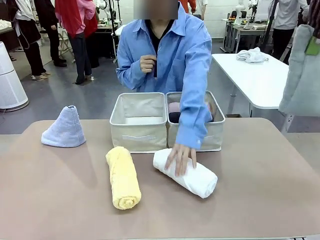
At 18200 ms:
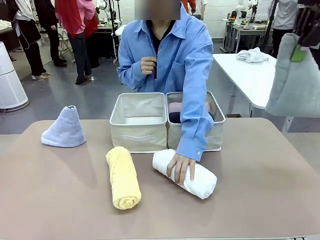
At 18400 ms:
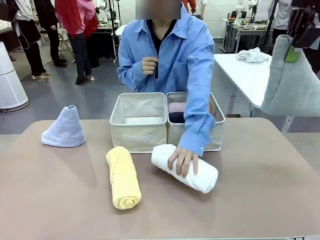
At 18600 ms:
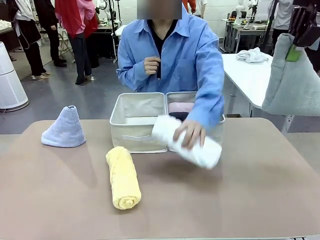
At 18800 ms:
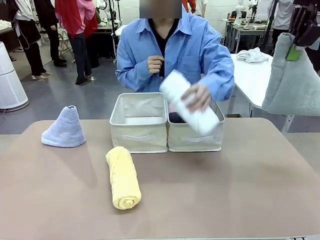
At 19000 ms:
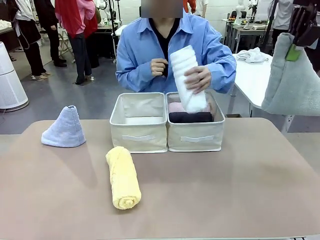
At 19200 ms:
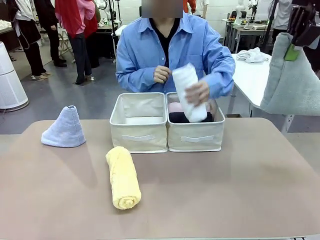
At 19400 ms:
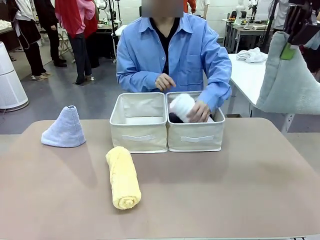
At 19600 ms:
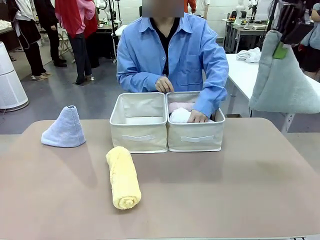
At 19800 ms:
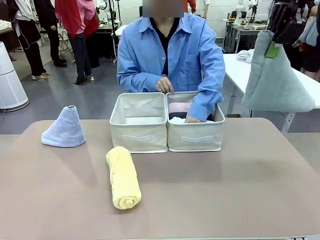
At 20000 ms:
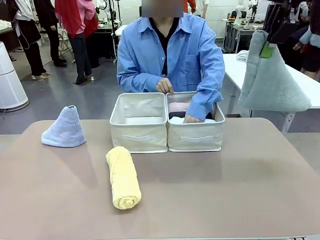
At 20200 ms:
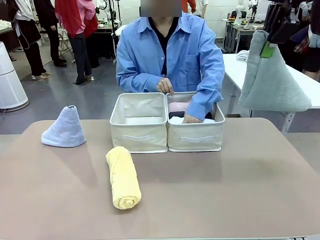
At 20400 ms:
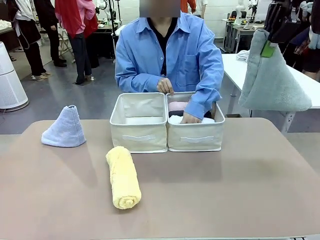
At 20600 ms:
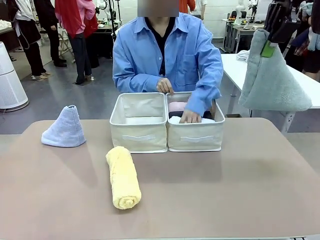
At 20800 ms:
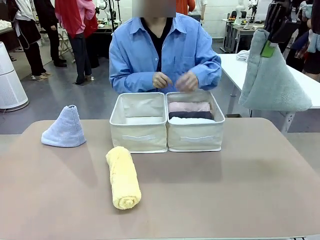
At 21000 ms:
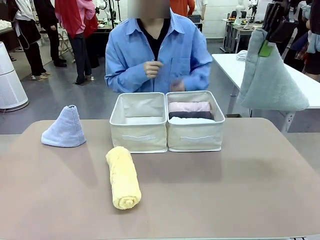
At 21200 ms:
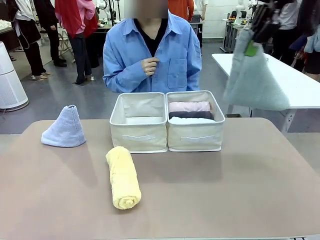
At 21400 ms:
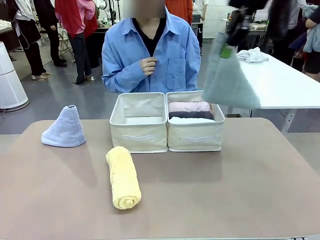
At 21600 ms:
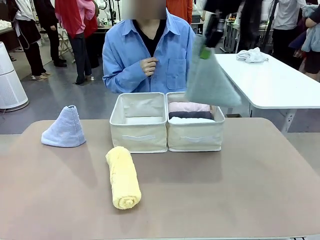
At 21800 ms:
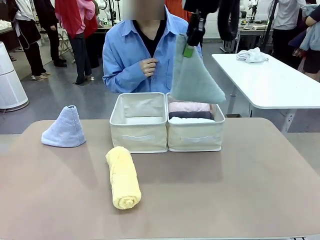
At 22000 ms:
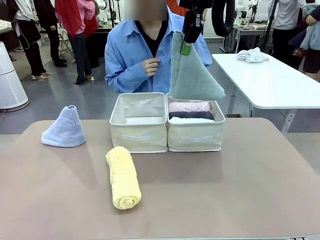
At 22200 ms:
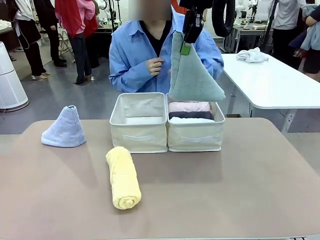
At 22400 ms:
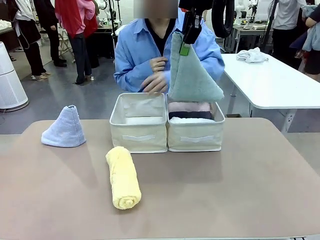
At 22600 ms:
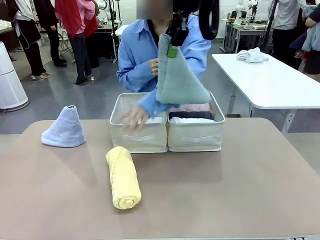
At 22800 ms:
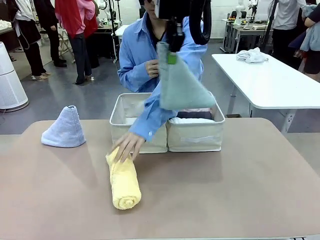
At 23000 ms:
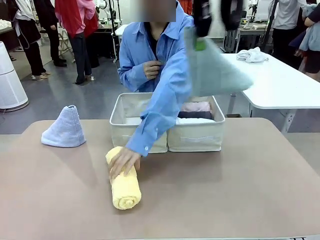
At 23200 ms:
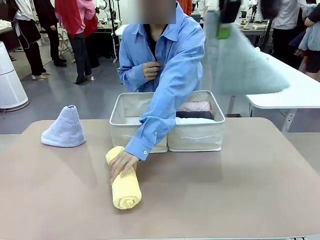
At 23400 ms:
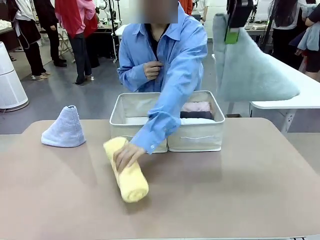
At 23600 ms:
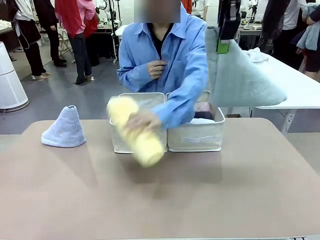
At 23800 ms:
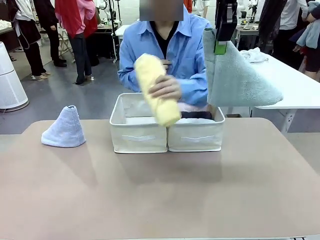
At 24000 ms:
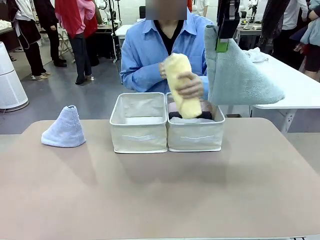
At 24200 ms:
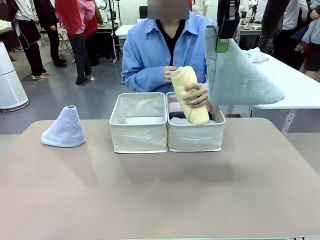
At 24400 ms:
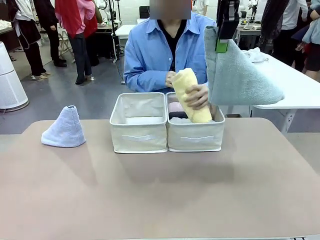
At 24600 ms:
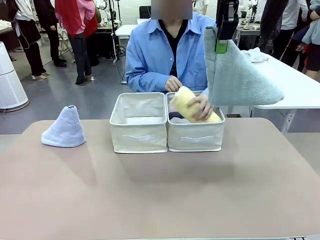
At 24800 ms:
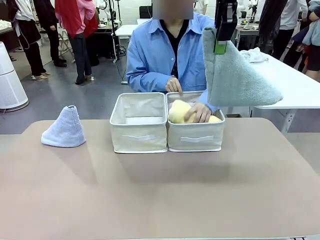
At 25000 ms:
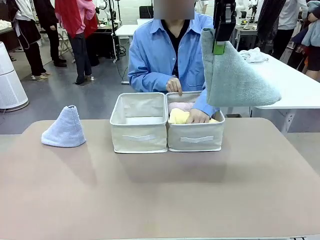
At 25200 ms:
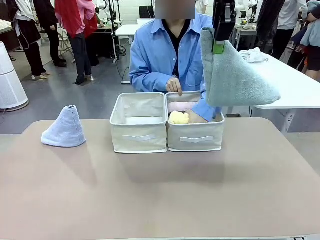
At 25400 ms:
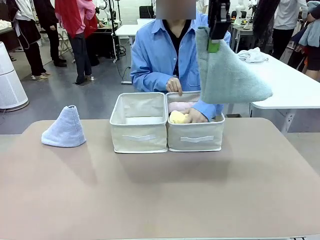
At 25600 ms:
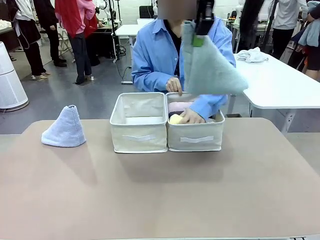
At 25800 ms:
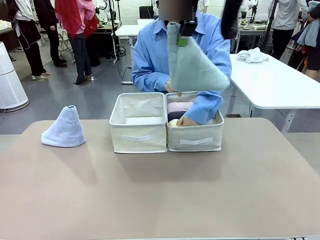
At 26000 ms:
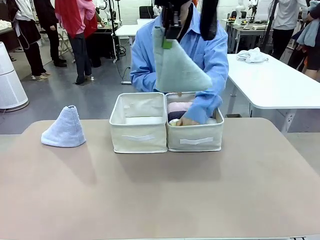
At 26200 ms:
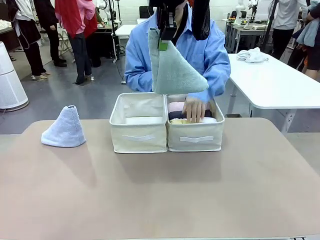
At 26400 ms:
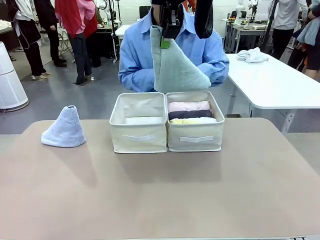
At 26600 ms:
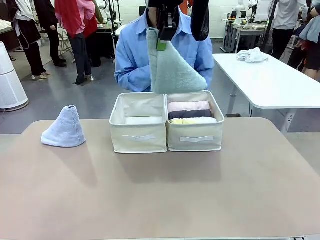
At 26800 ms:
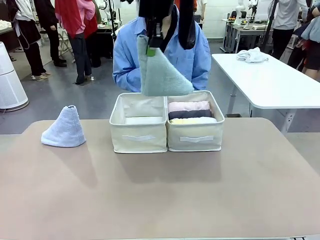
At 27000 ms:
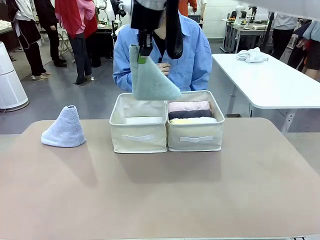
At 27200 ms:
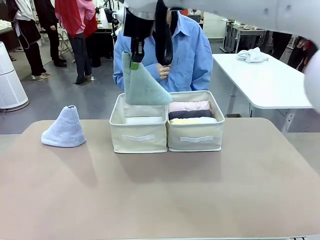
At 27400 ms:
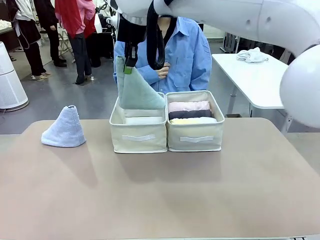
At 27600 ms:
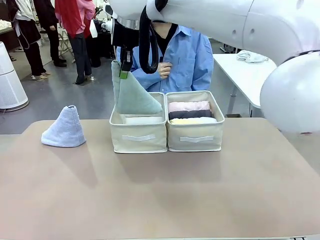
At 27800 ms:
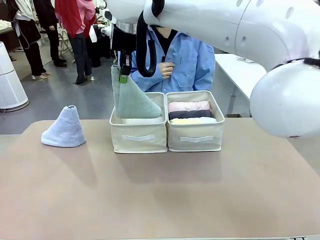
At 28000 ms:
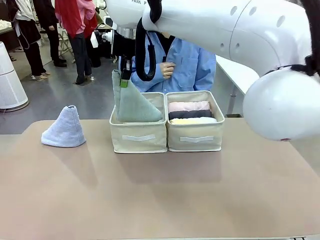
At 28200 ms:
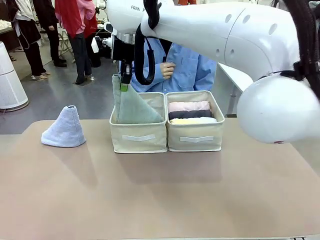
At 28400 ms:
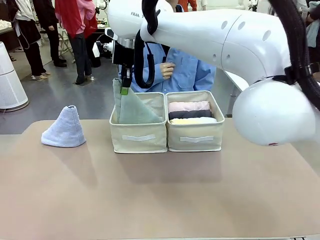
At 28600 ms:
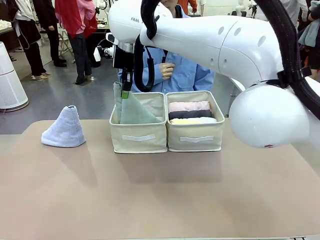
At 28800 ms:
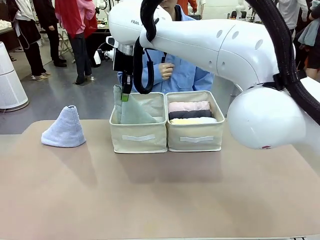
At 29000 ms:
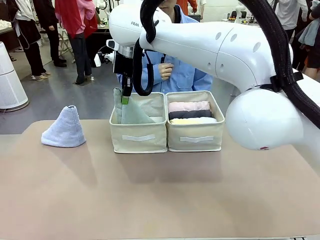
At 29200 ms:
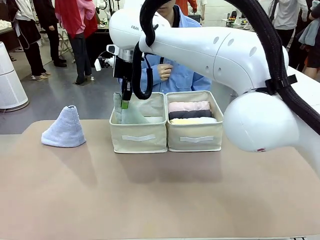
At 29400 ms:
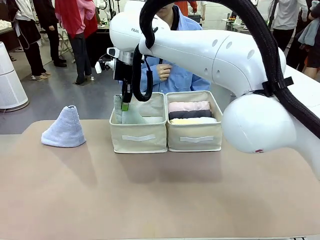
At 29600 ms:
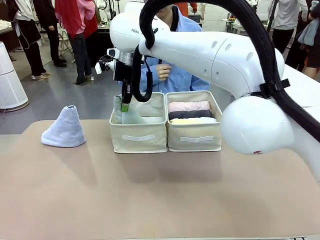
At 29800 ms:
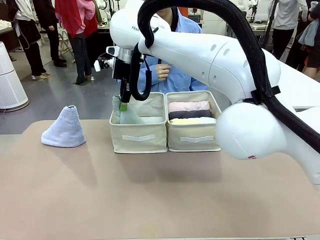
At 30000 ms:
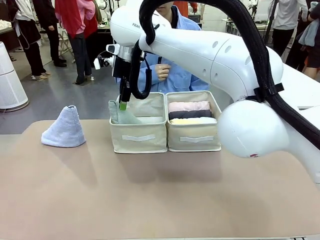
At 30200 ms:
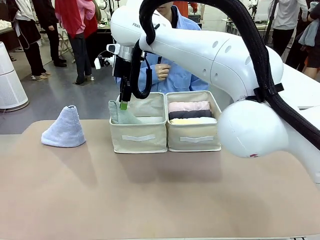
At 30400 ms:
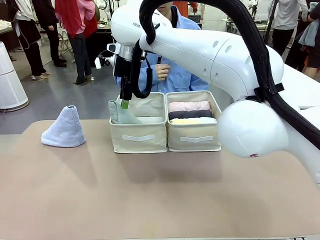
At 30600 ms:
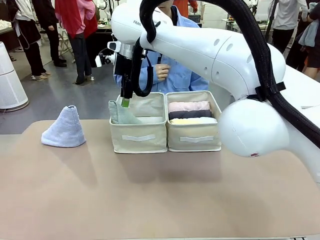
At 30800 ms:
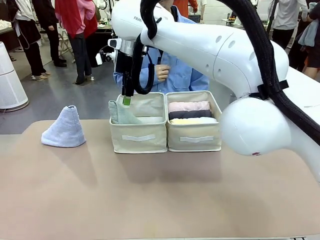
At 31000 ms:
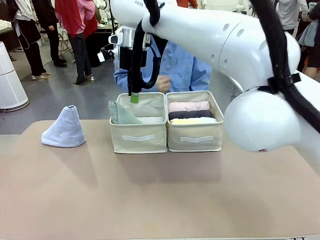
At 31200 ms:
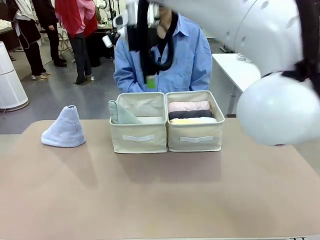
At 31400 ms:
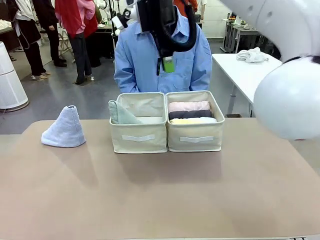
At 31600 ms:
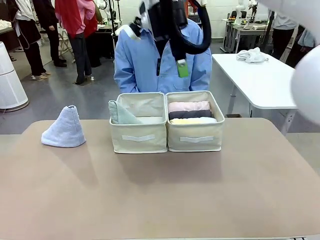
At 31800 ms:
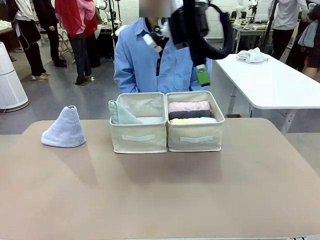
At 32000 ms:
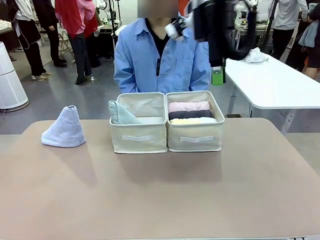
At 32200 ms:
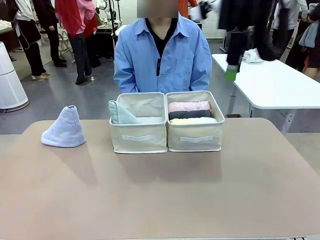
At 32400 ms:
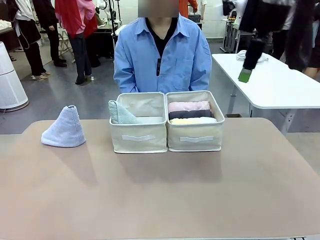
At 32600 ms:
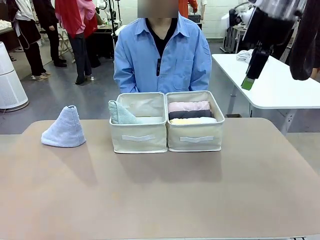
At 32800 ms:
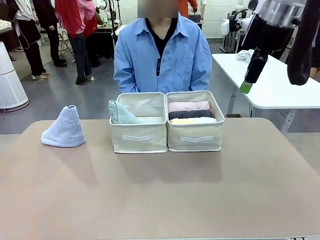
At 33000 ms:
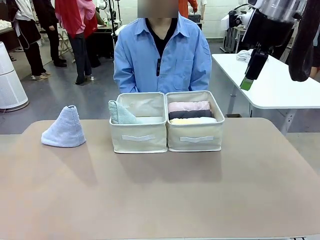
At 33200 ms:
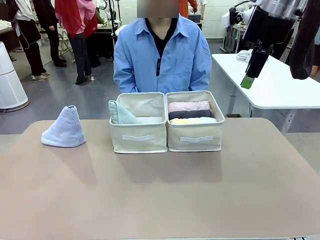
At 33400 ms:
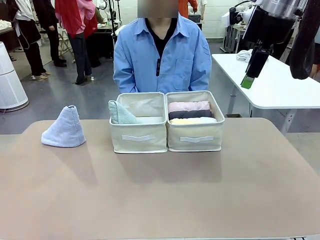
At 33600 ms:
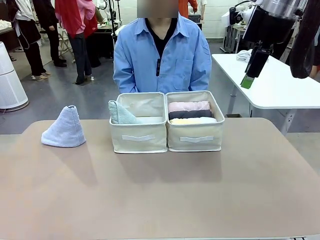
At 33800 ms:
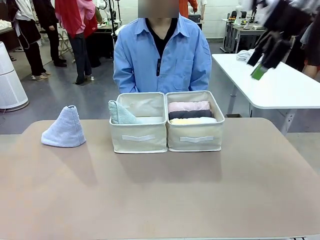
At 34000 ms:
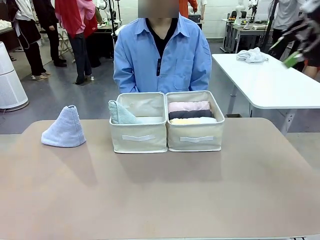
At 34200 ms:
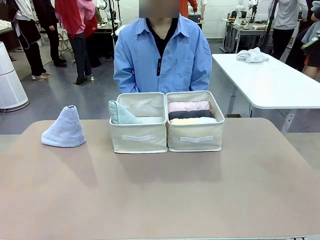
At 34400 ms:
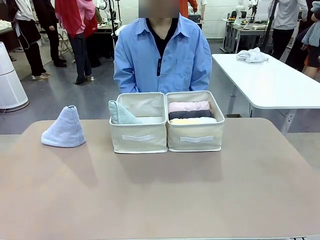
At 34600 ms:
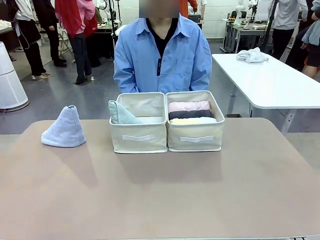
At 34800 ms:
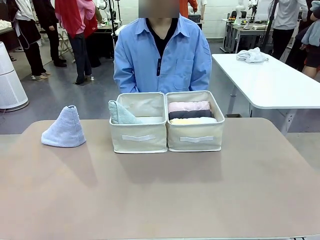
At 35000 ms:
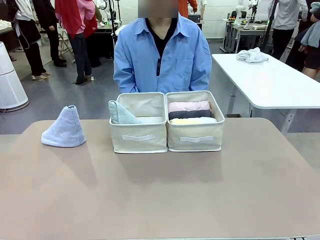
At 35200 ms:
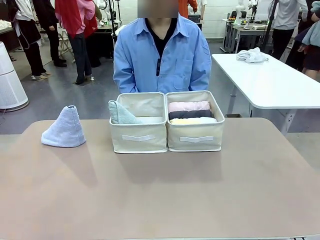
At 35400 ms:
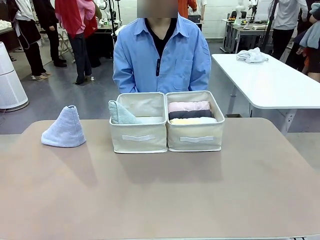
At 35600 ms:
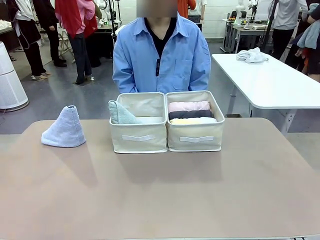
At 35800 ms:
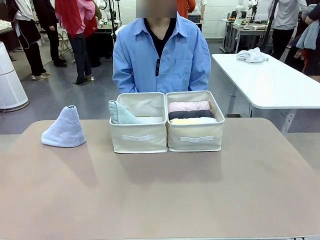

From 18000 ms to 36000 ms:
Task: Sort the towels based on their folding style.
Robot: Pick up one triangle-folded towel and place it in the left Fabric basket.
